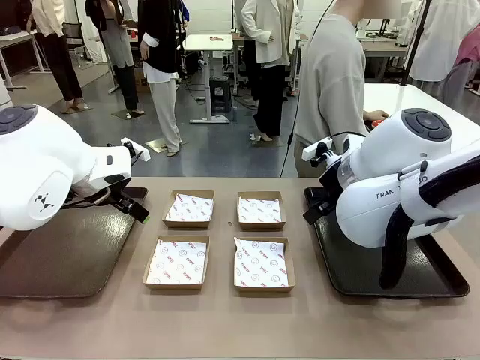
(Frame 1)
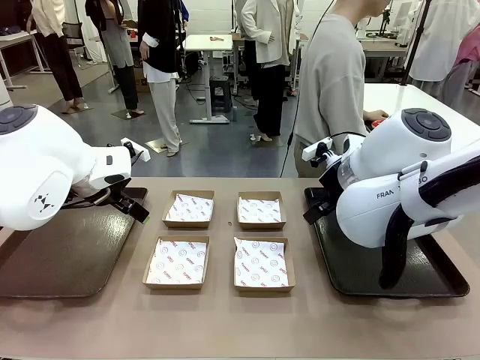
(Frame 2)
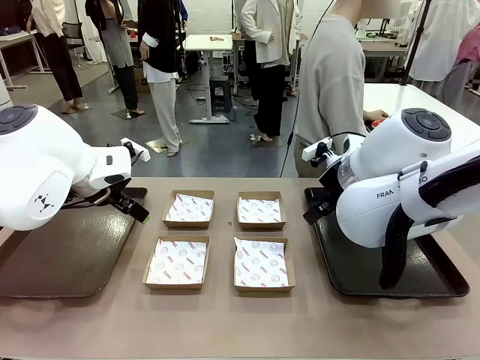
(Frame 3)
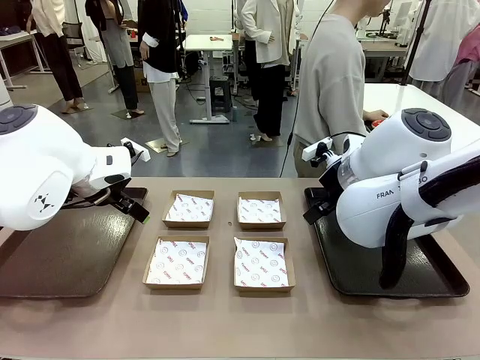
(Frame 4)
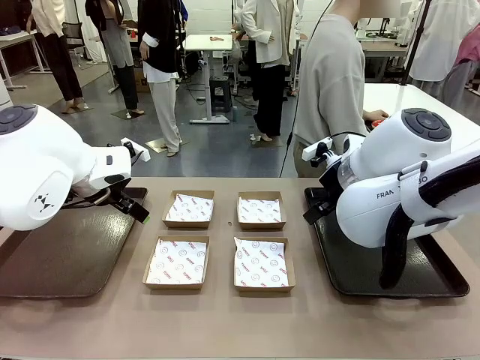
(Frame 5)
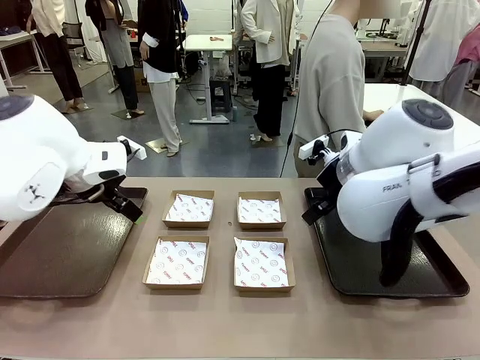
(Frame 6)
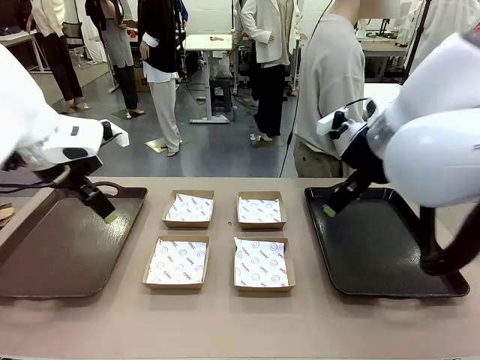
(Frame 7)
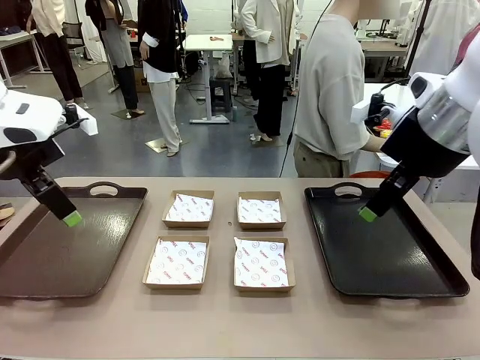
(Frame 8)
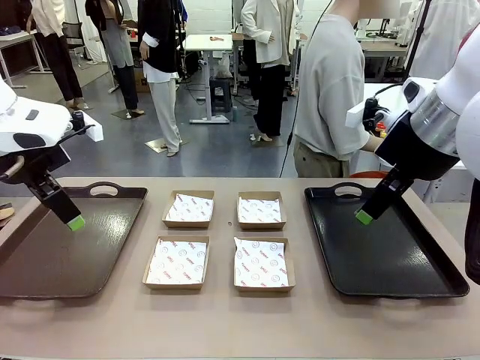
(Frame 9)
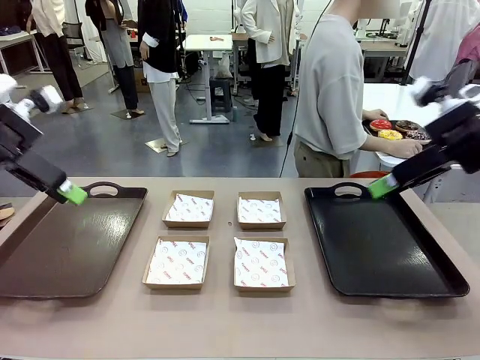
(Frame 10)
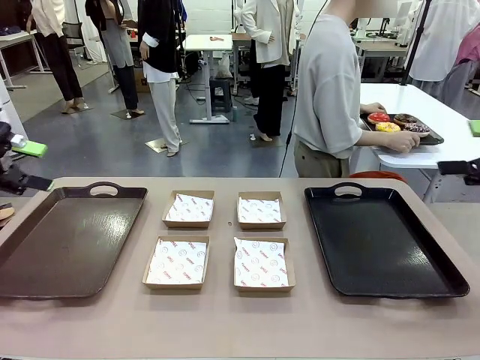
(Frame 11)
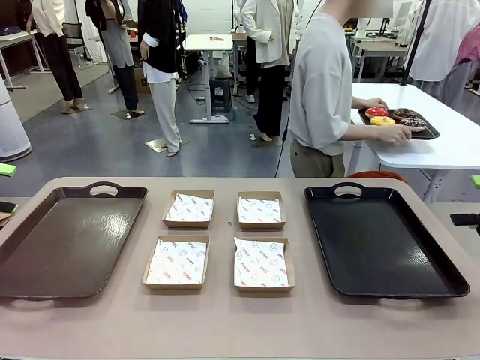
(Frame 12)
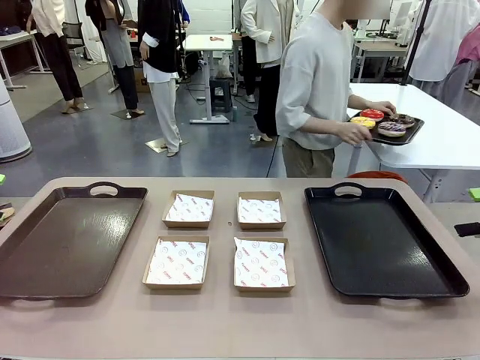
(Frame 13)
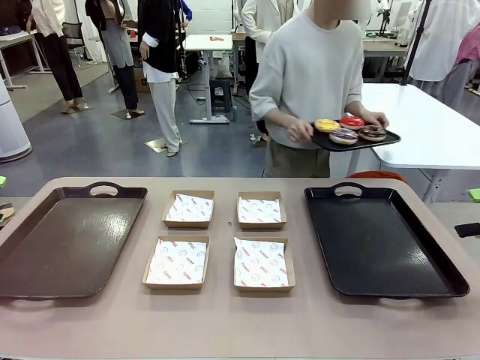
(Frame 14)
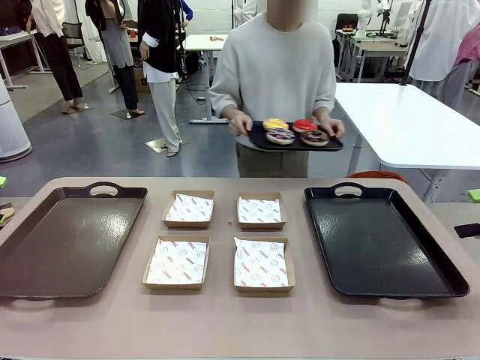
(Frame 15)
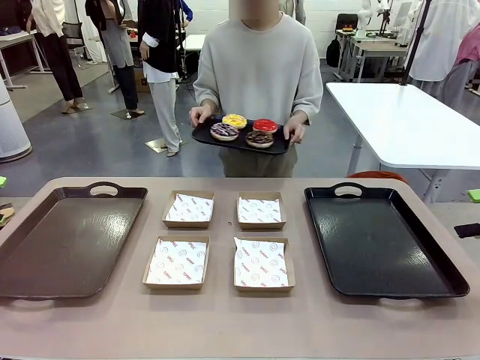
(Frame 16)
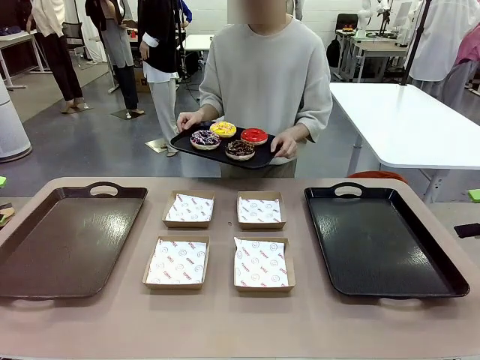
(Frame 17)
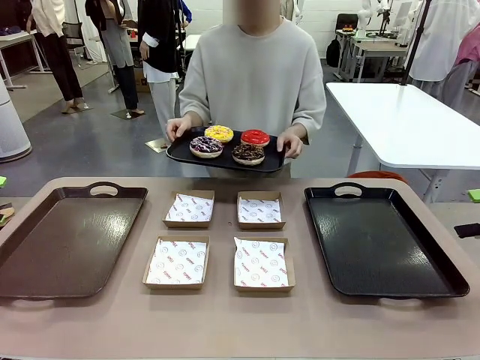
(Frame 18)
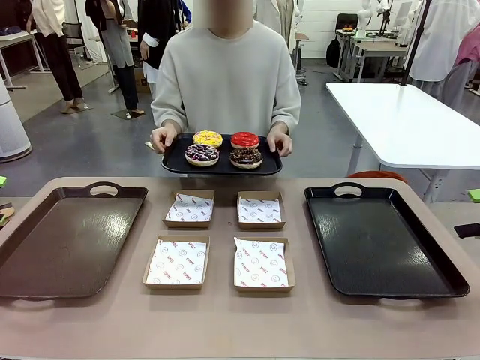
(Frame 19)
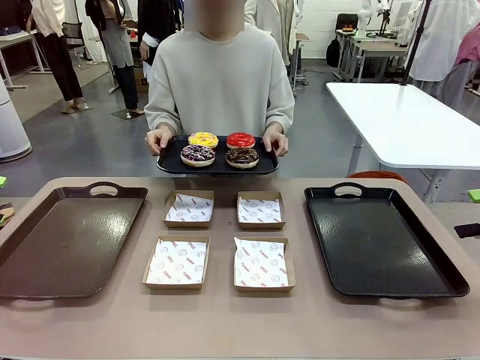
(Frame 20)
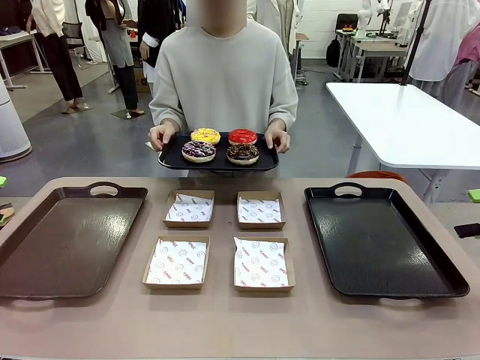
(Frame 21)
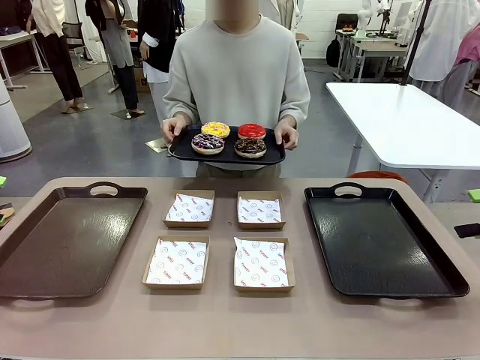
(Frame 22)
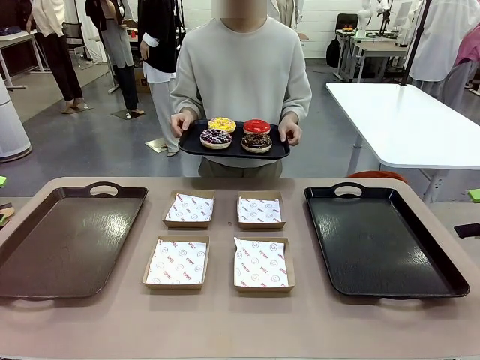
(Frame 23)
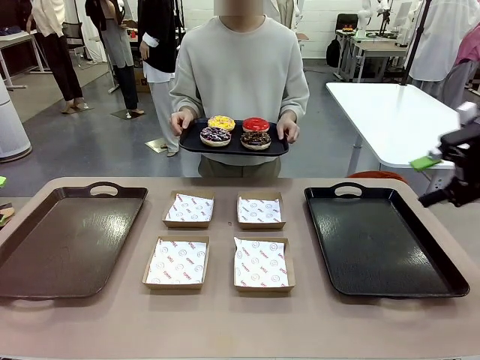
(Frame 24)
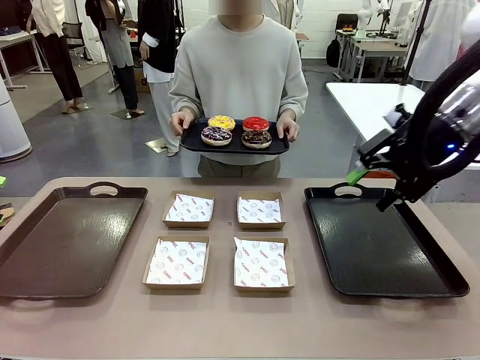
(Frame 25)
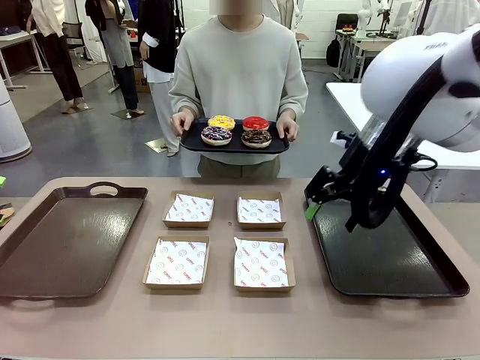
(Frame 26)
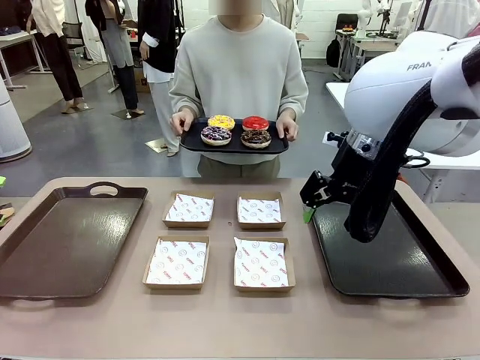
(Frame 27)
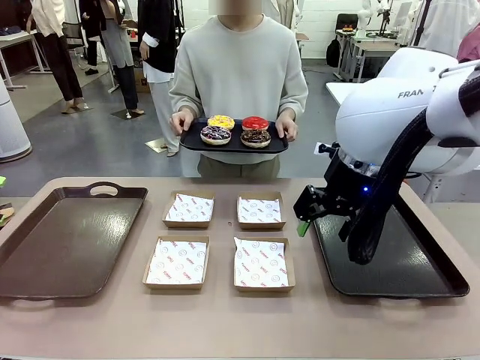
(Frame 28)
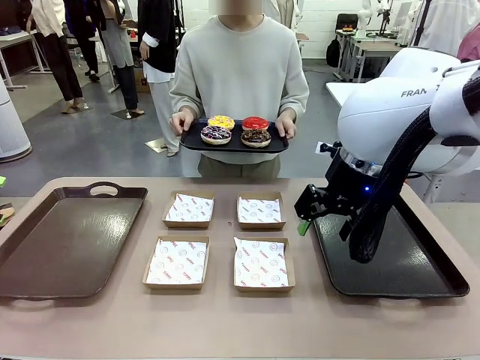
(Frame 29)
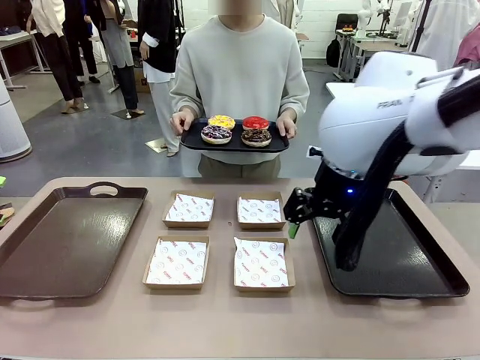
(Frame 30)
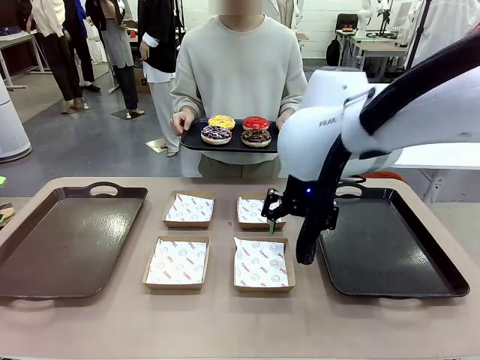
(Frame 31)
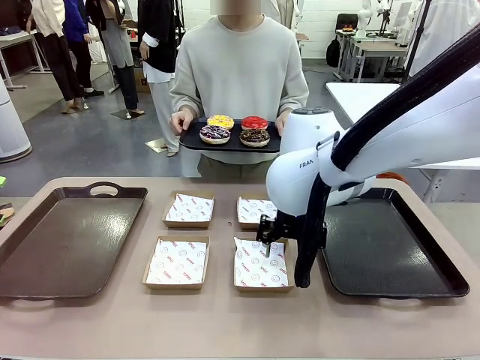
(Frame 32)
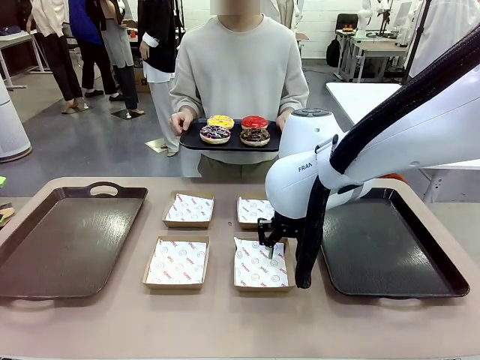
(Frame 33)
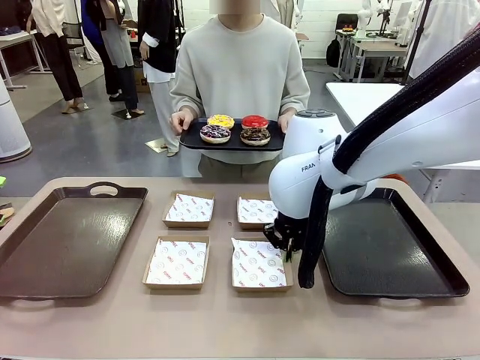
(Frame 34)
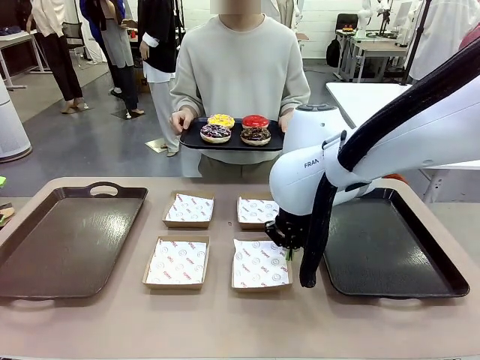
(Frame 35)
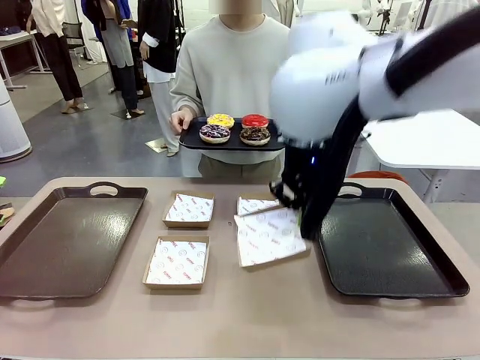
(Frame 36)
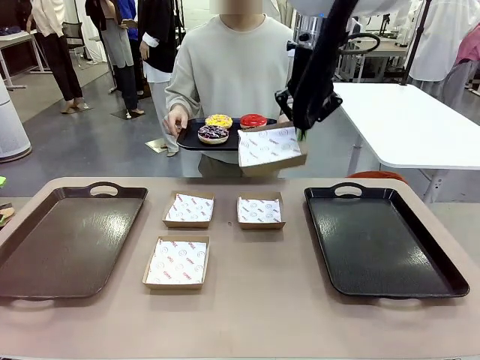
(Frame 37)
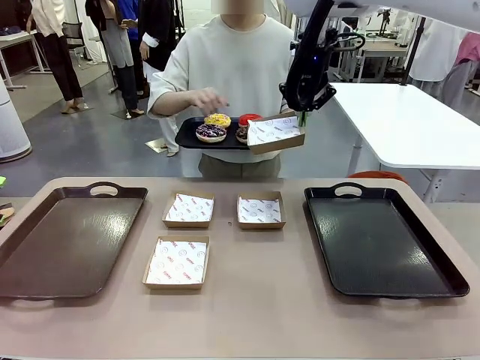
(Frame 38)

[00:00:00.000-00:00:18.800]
Task: Individually package the donuts and arrange them on the tray.
Robot: Pick up one Paper togo box.
Person: Stand in front of the robot table holding the tray containing the donuts.
